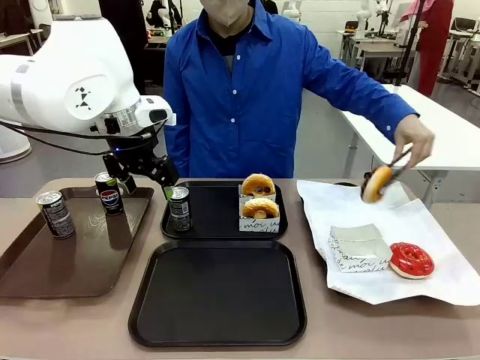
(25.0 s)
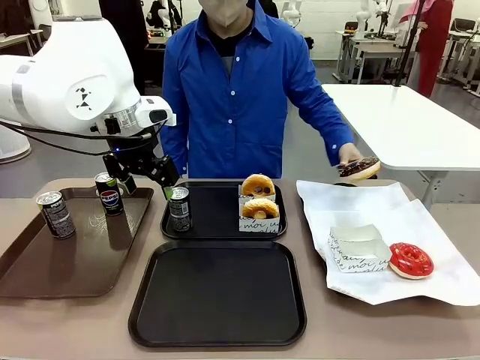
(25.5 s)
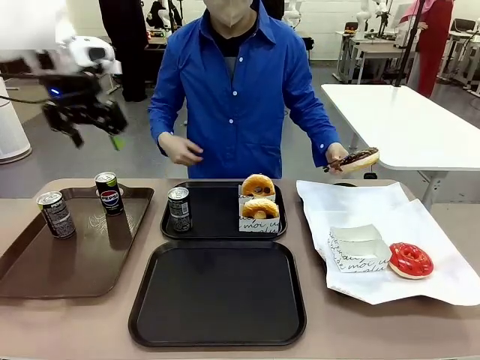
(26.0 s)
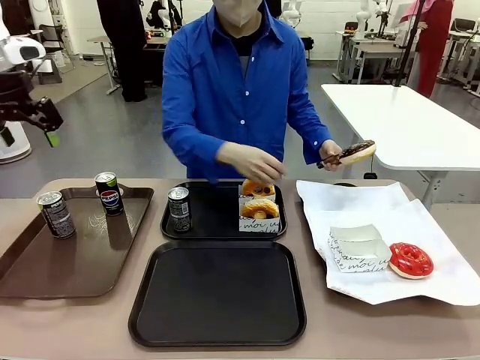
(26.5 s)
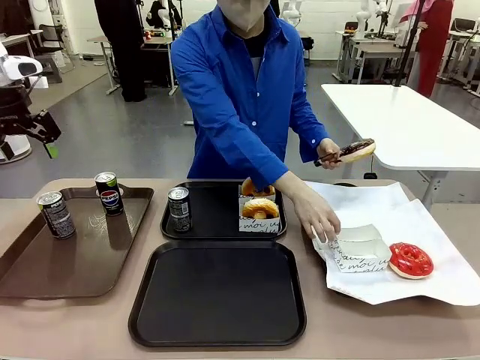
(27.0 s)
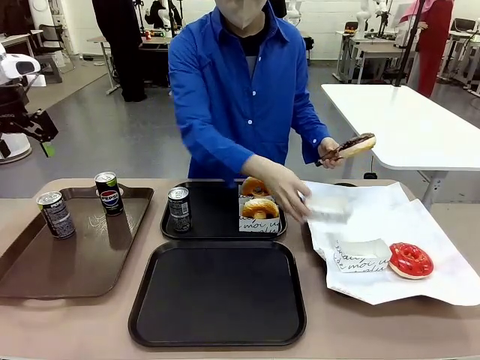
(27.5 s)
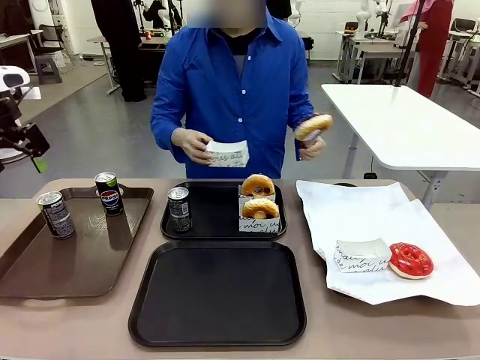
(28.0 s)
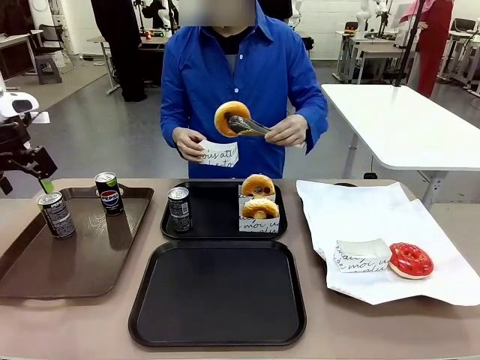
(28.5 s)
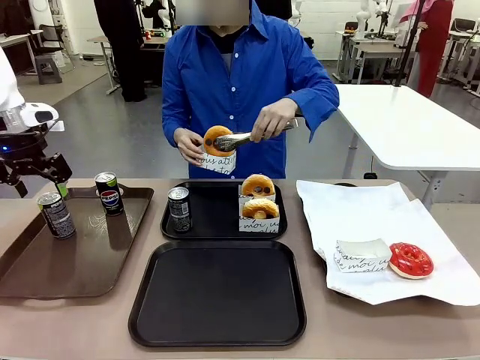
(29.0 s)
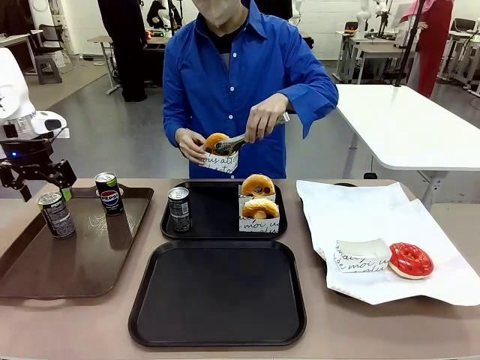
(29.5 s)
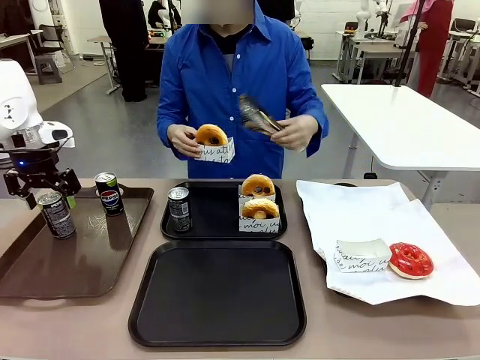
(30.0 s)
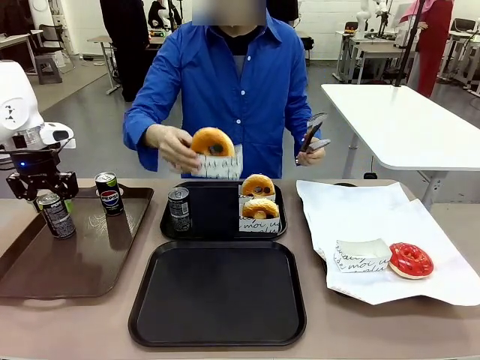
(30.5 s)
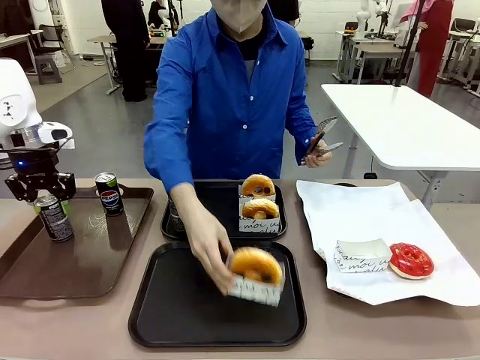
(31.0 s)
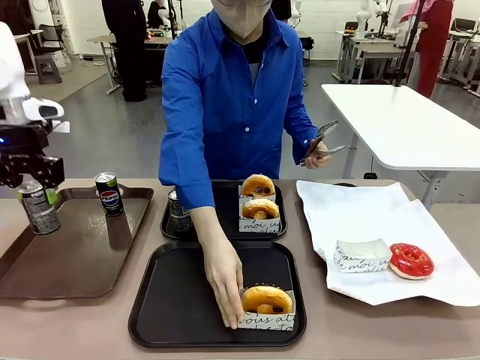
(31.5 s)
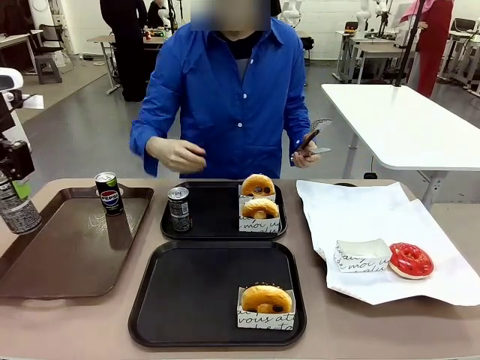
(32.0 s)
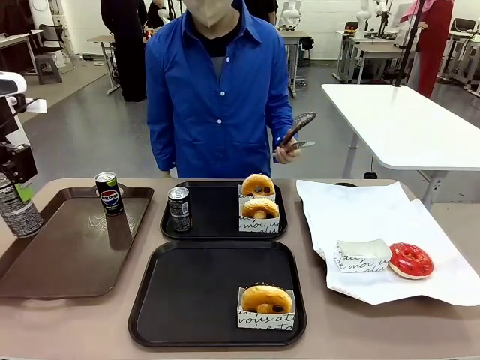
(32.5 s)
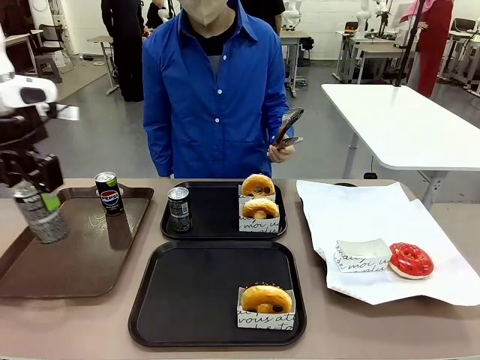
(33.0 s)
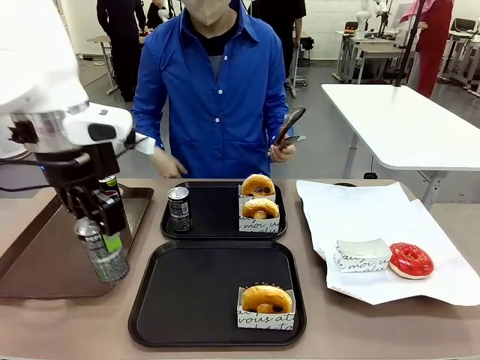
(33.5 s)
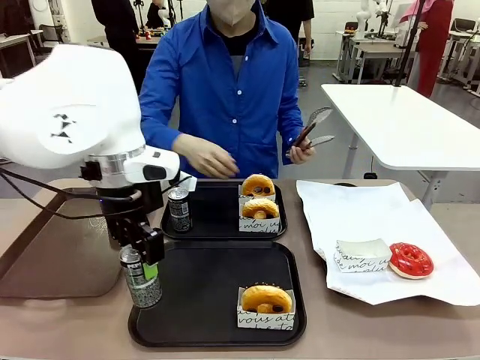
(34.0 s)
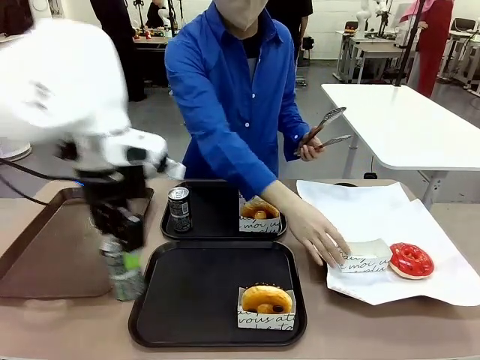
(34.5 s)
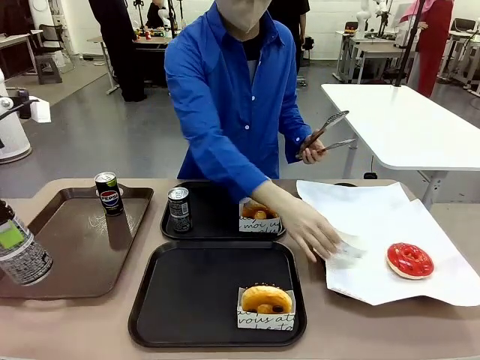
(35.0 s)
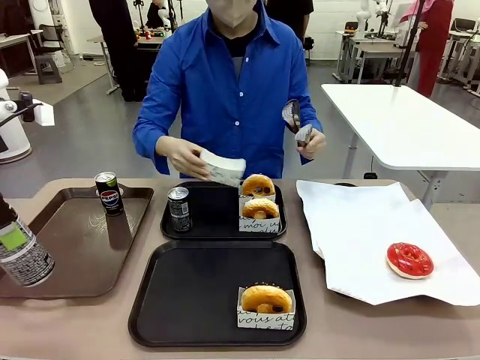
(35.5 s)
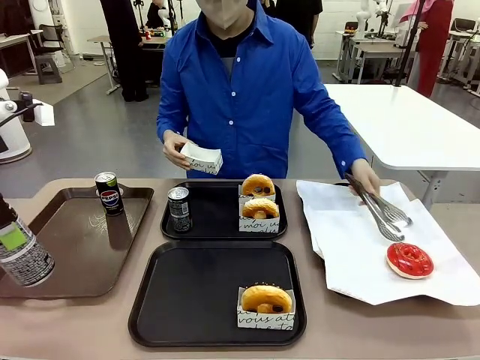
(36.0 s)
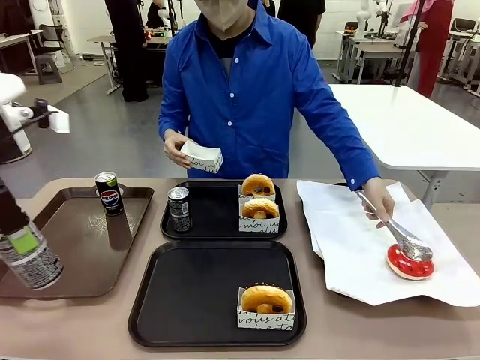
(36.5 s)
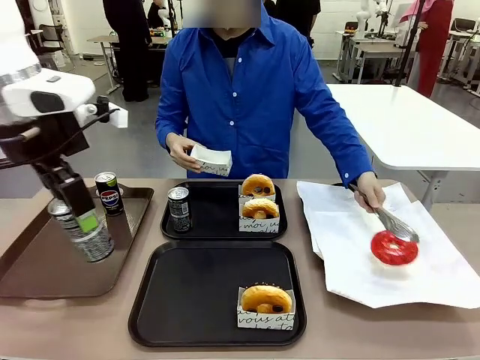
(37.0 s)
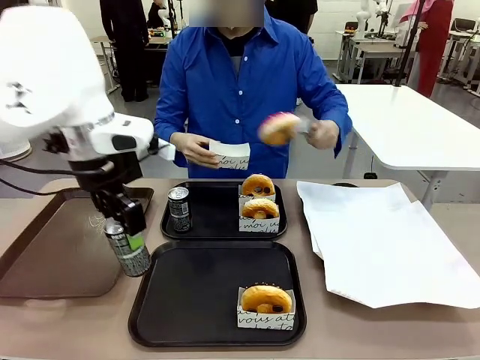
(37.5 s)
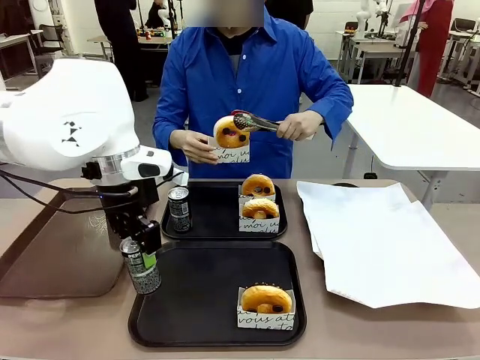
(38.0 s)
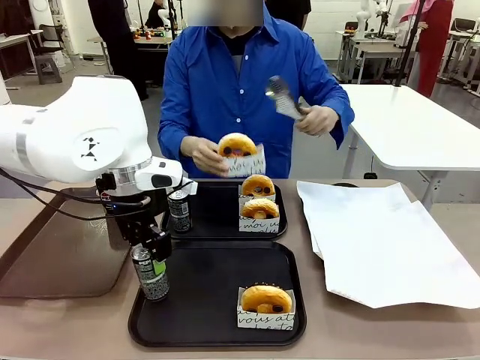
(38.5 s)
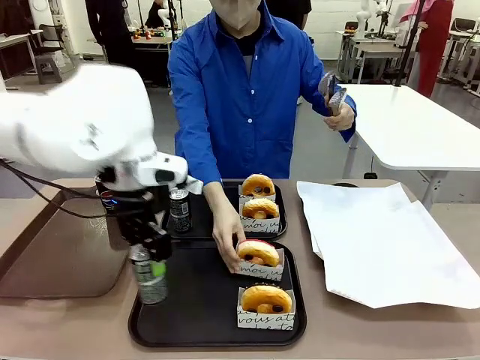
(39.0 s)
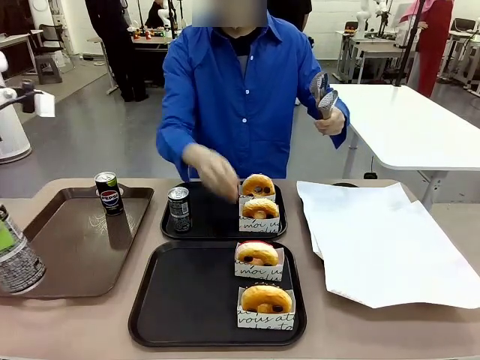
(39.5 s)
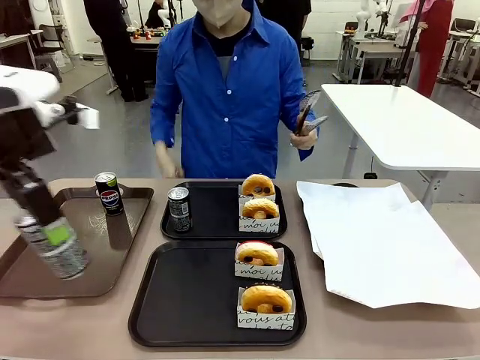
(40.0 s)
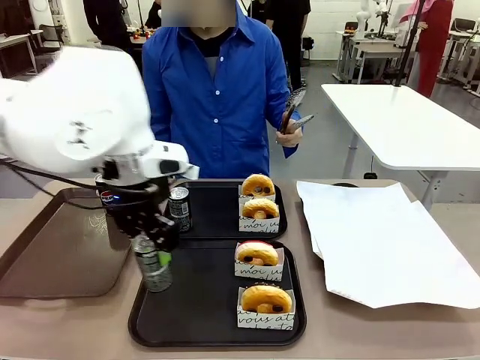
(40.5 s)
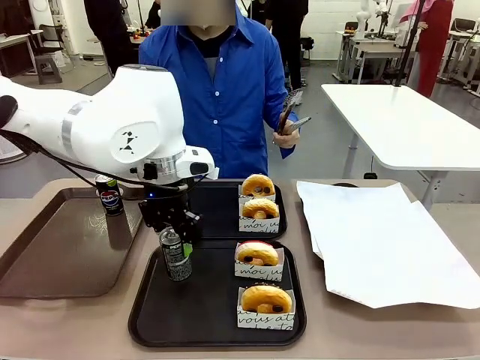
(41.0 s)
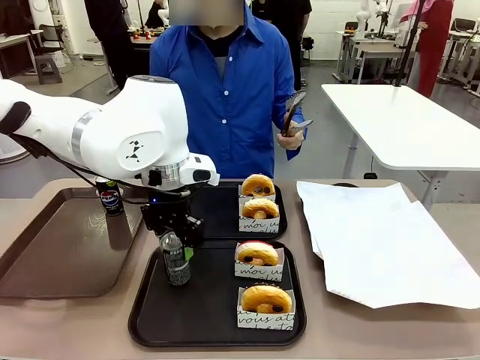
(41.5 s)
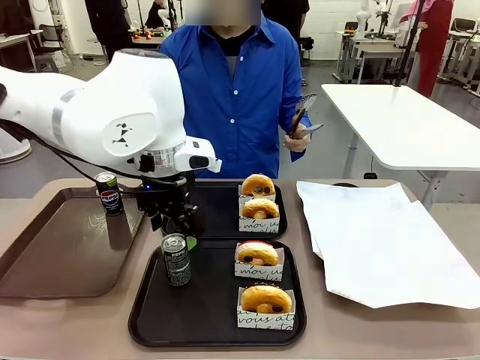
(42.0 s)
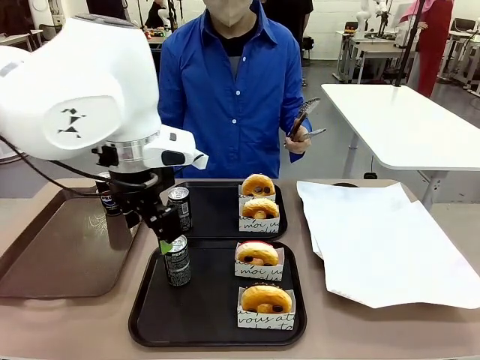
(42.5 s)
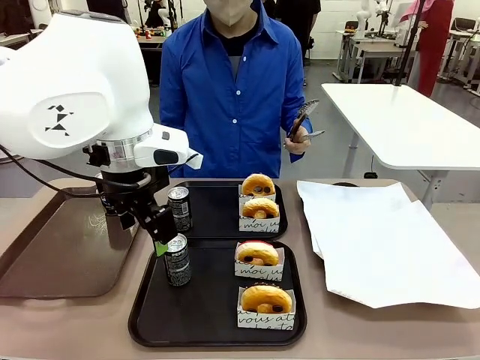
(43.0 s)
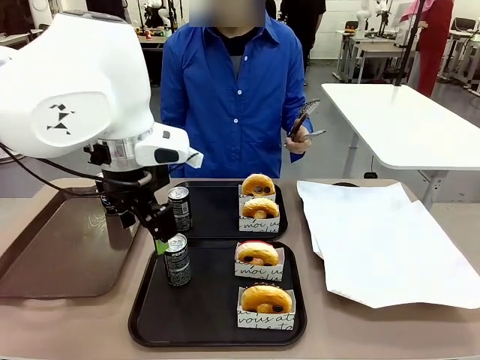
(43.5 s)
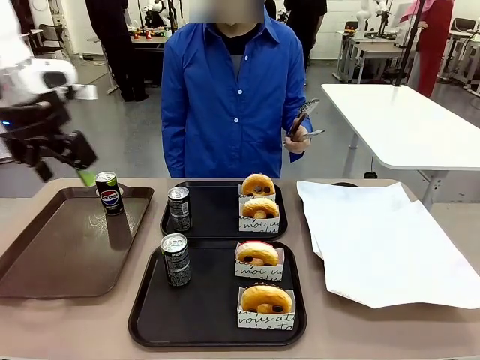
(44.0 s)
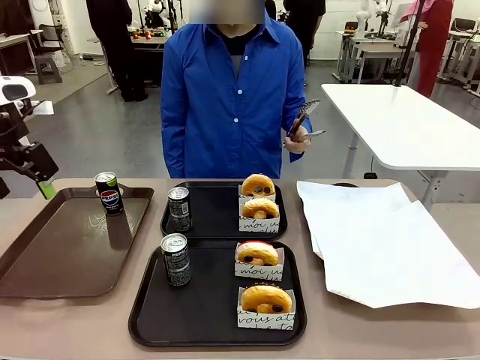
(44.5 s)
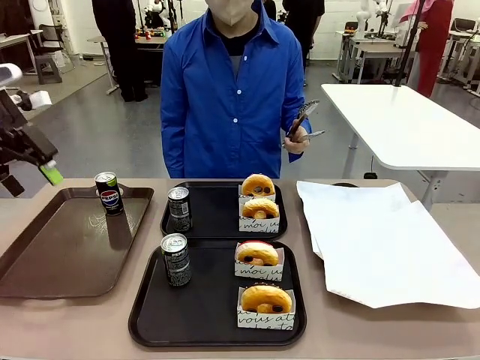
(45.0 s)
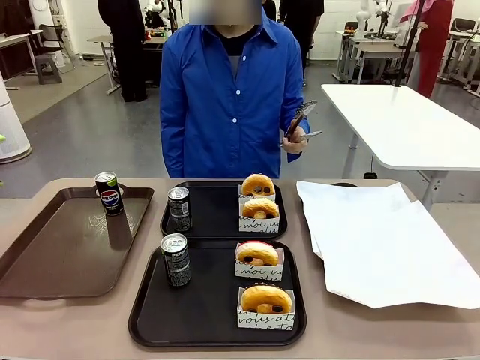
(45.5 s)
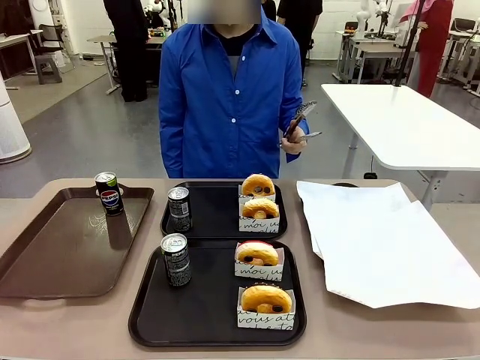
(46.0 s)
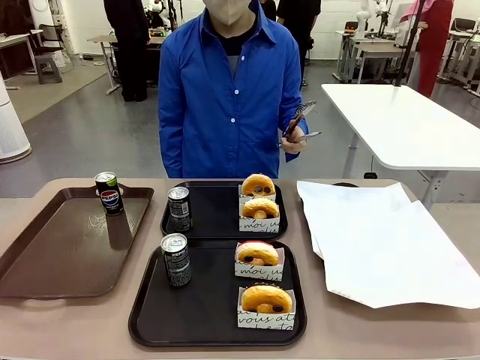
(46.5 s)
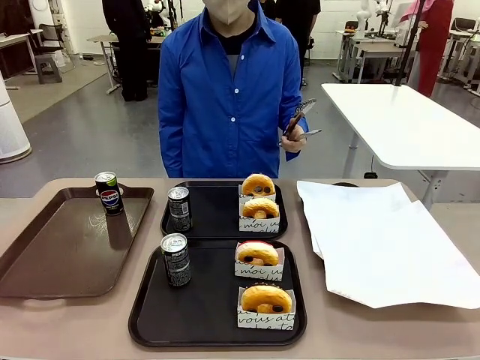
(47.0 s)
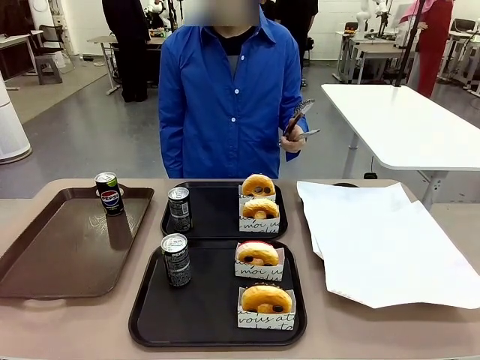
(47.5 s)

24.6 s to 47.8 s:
Task: Set up donuts and drinks on trays.
Robot: Pick up one Pepsi coke from the Handle tray and place it on the Flat Tray without a Pepsi coke.

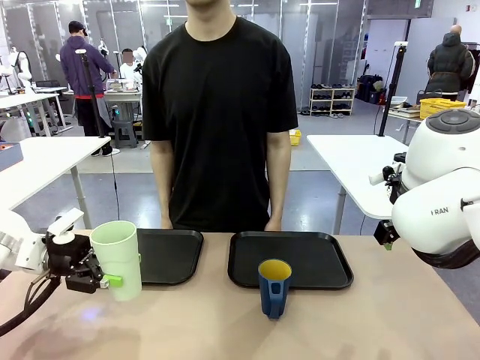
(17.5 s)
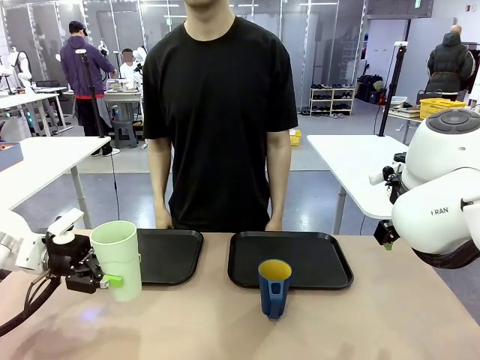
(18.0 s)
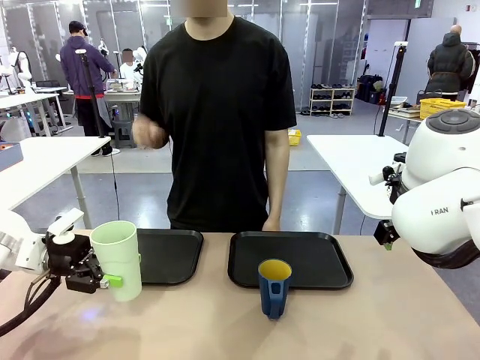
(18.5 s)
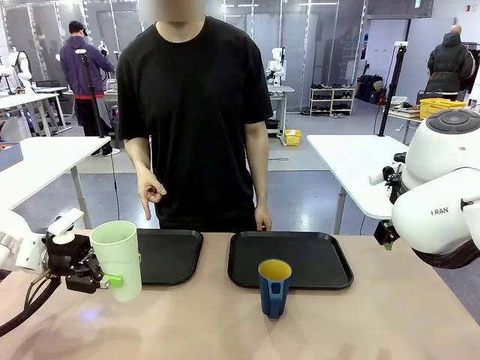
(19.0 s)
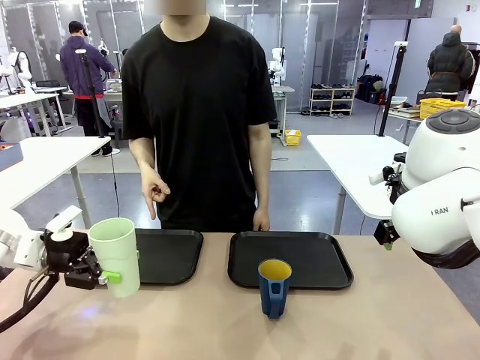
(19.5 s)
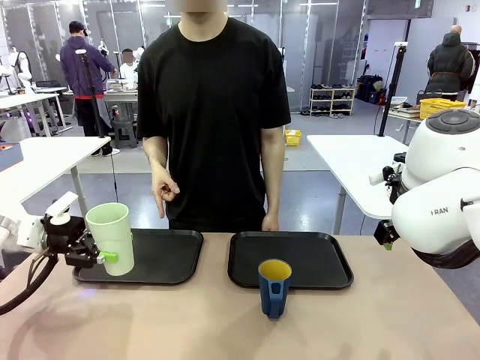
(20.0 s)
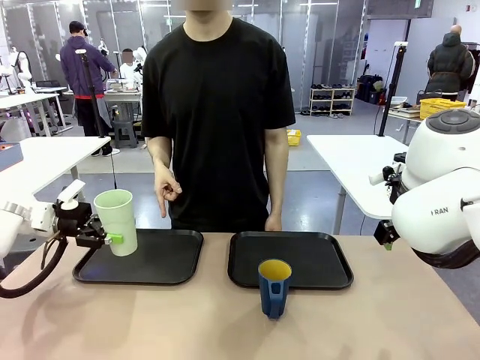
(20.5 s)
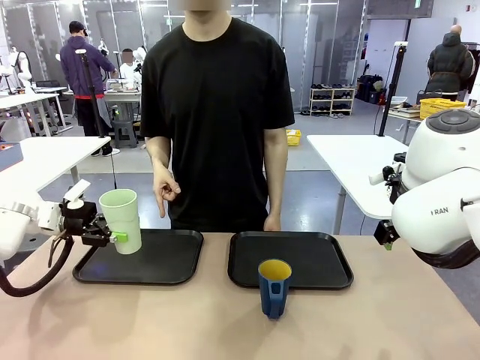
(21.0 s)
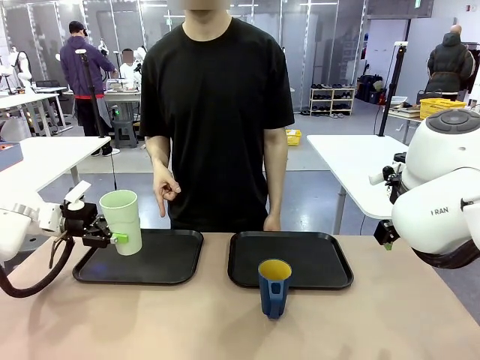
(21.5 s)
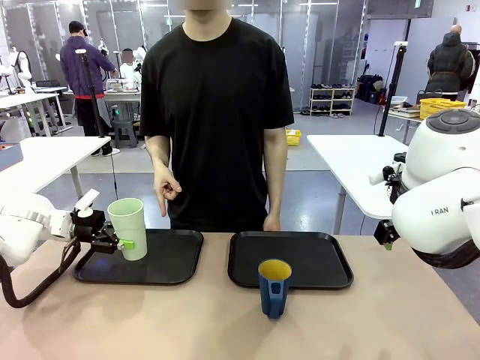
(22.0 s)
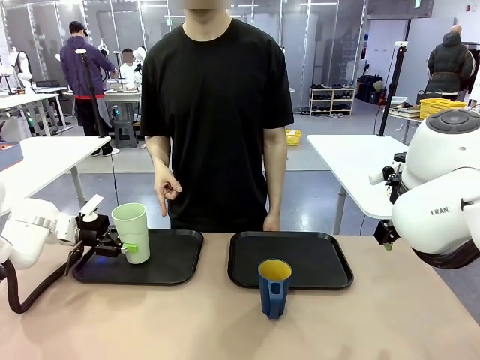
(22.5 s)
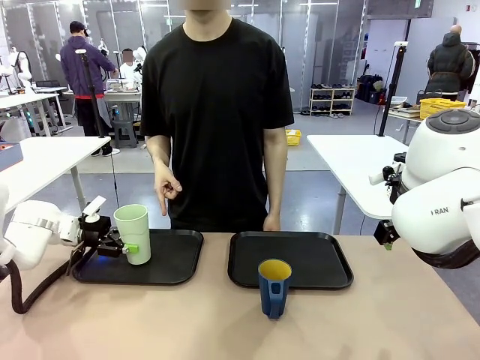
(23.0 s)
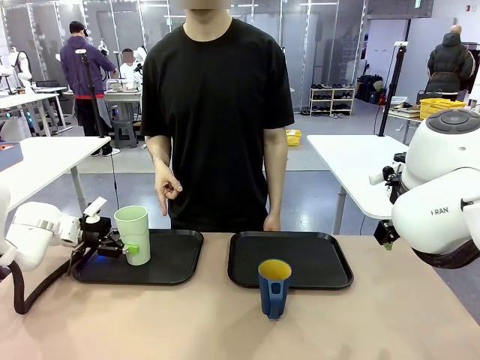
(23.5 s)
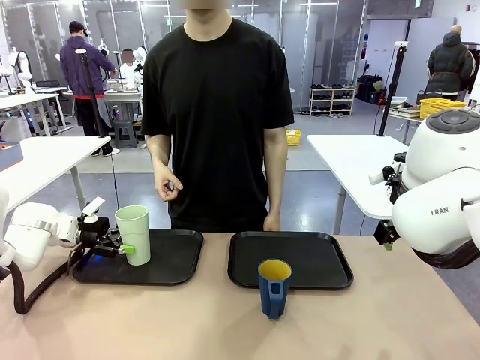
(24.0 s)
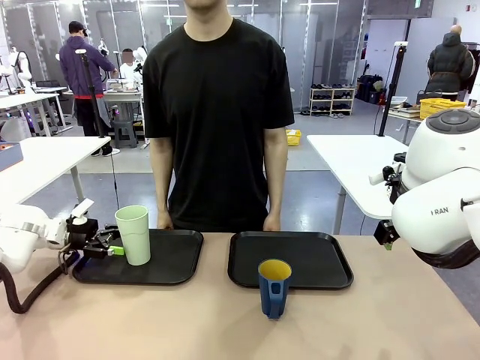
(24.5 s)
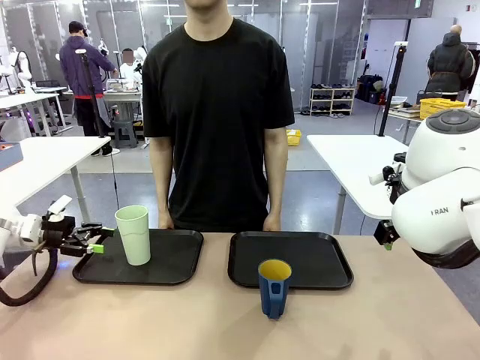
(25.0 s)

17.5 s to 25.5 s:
Task: Sort and store the cups by type.
Robot: Place the picked Reusable plastic cup into the Flat Tray indicated by the person.
